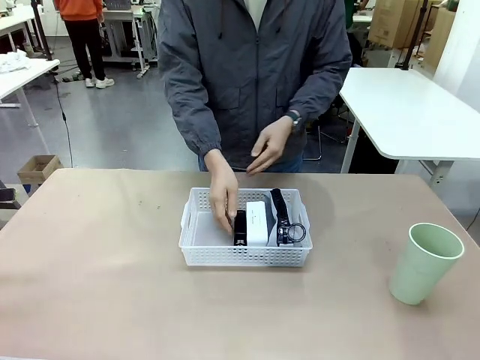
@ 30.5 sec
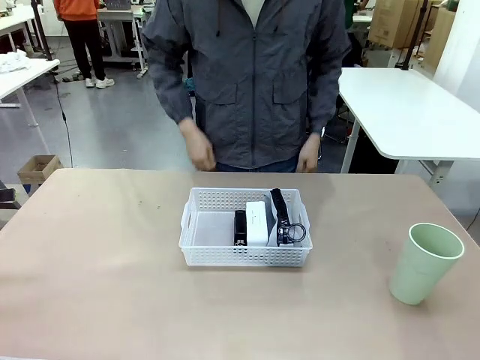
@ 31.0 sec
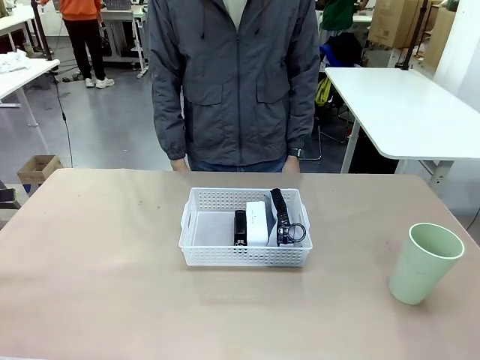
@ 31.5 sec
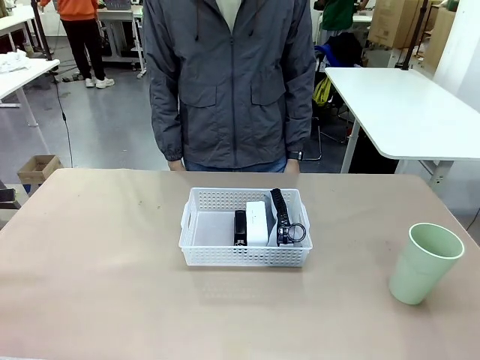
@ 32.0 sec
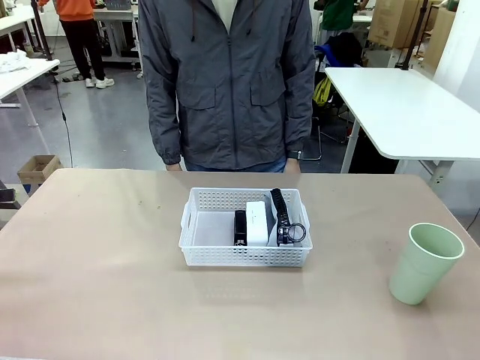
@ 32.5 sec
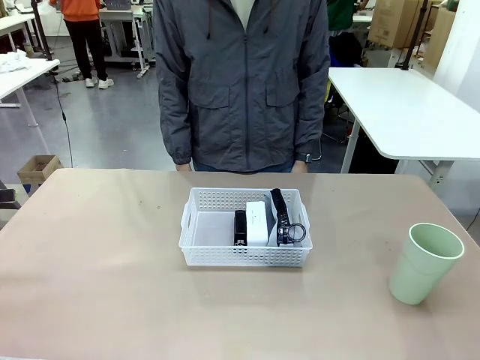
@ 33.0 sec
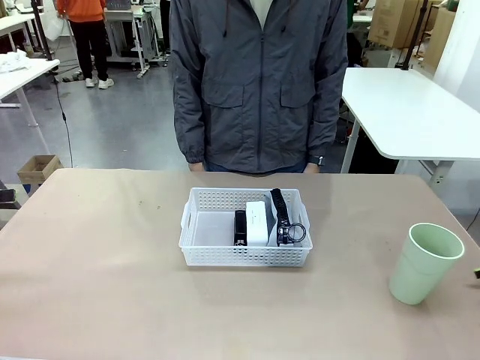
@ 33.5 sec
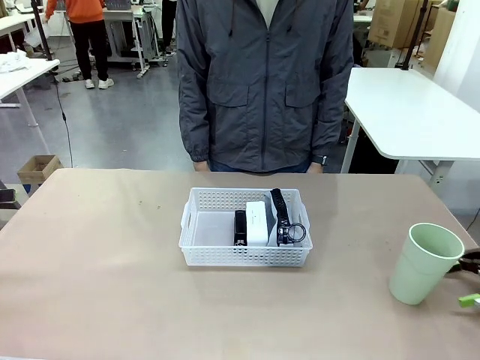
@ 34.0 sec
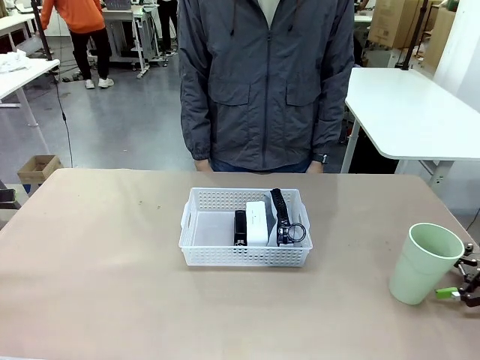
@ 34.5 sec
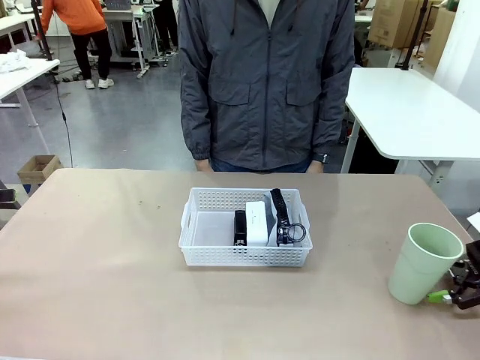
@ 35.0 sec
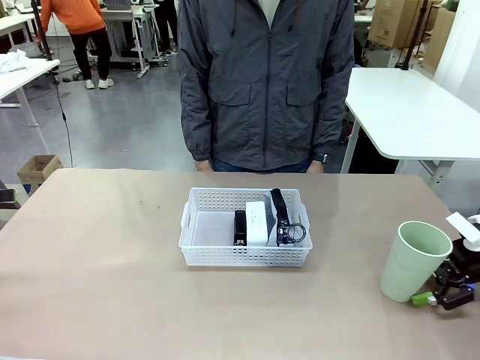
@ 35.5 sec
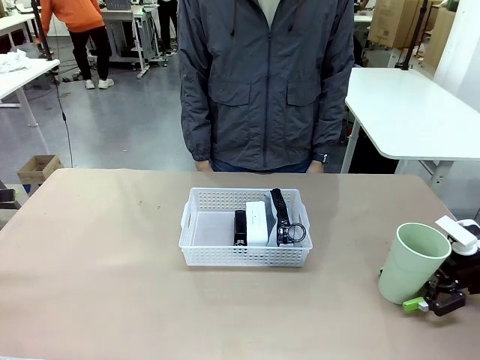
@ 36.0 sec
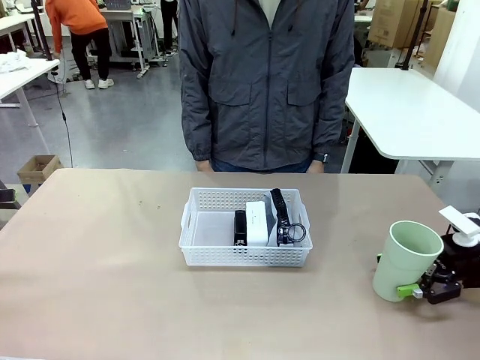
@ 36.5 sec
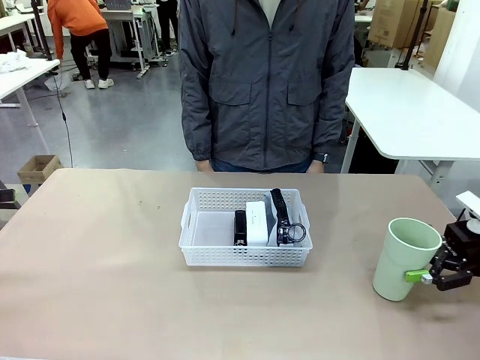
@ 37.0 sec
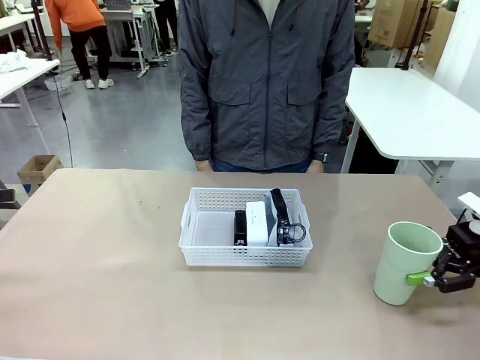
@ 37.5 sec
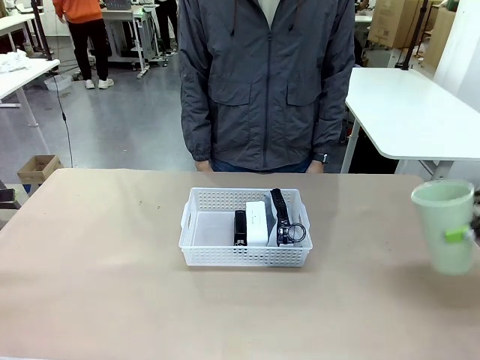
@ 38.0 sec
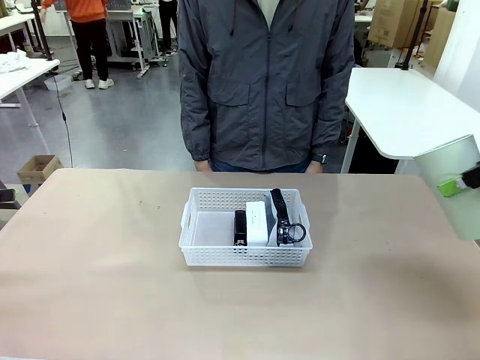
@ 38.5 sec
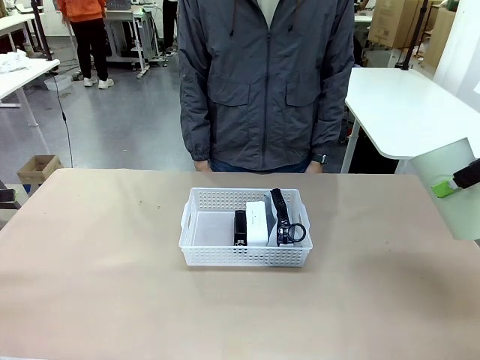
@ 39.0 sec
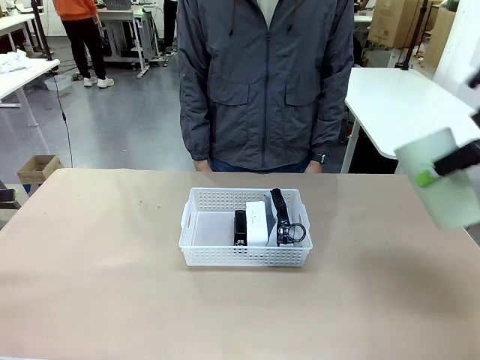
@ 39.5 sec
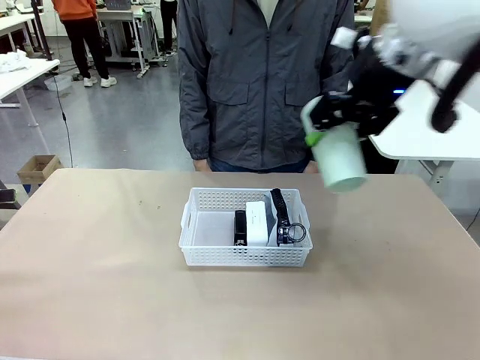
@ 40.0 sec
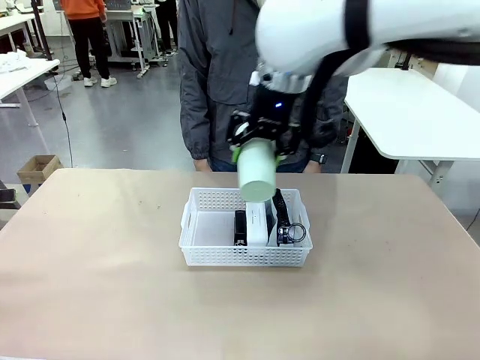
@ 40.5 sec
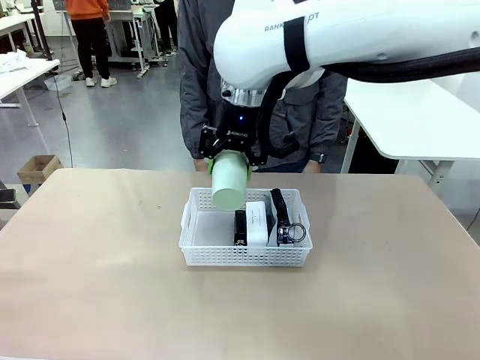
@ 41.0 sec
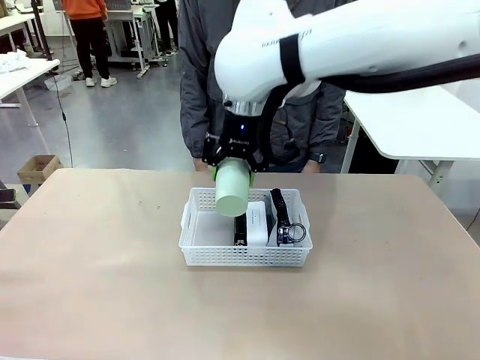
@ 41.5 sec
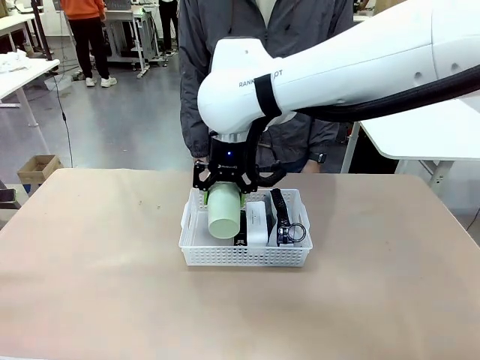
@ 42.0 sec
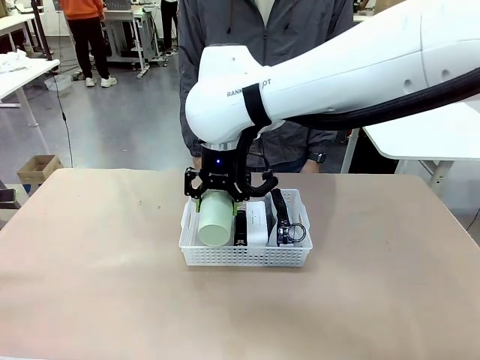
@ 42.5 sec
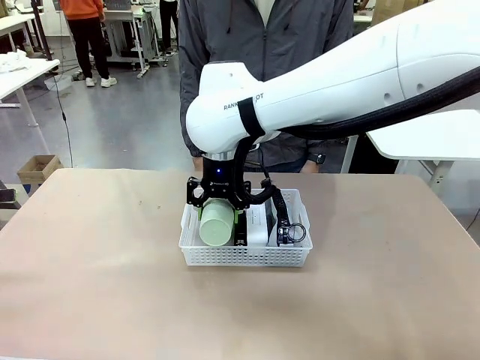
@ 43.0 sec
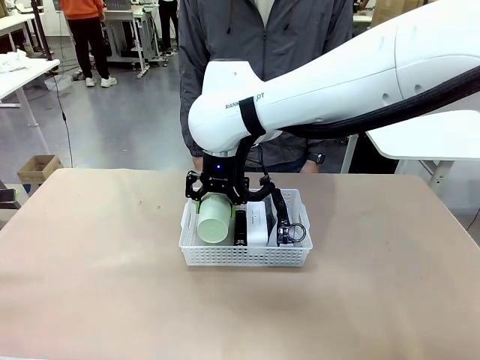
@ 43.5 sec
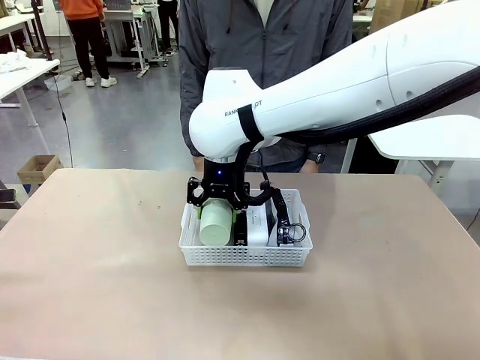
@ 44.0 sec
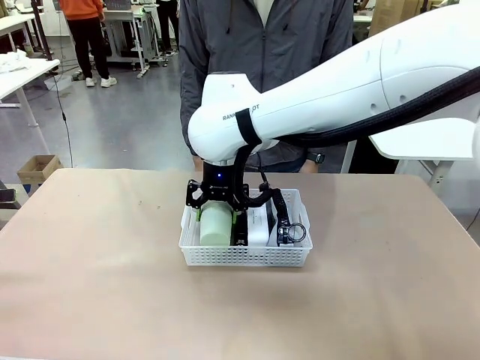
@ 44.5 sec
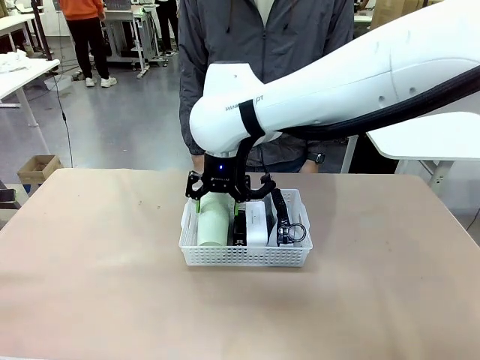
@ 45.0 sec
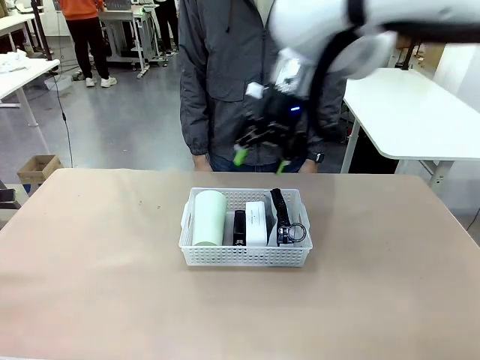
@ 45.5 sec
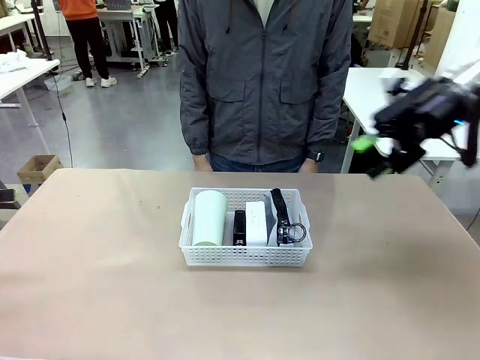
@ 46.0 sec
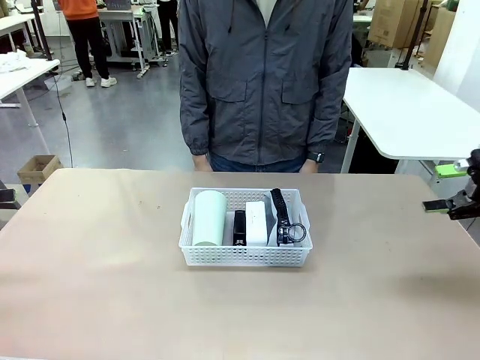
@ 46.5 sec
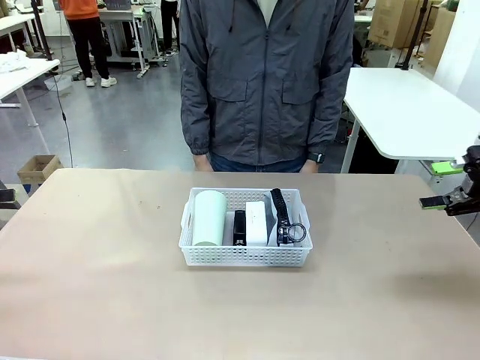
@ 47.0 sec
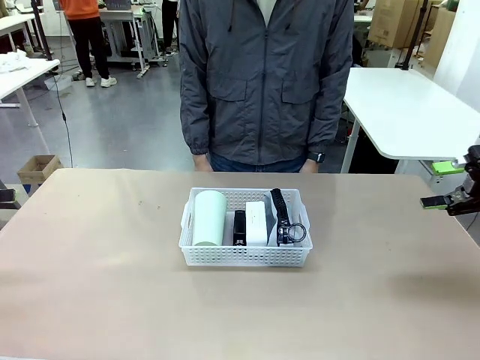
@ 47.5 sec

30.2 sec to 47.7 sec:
Task: Efficiently arrange items inside the basket to fit them all.
Robot: Pick up the Reusable plastic cup and place it inside the Organizing basket.
Person: Repositions the stapler.
